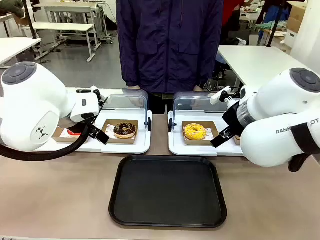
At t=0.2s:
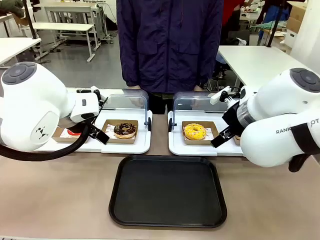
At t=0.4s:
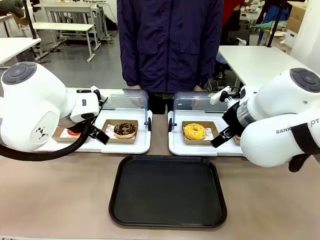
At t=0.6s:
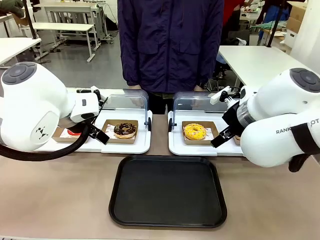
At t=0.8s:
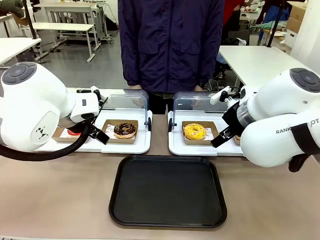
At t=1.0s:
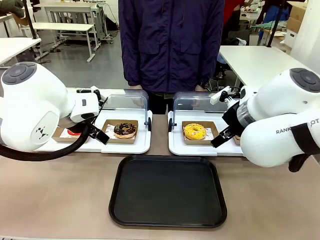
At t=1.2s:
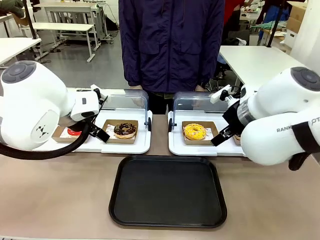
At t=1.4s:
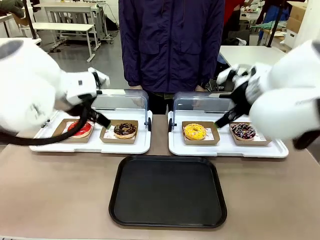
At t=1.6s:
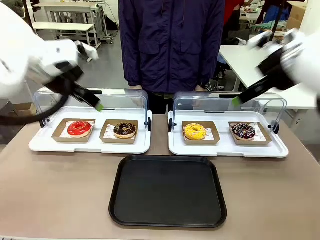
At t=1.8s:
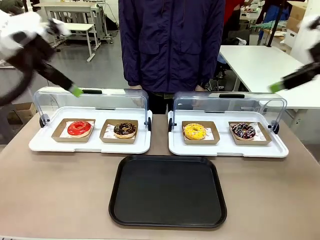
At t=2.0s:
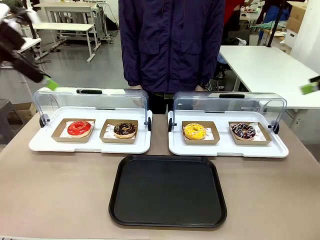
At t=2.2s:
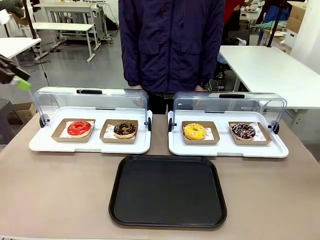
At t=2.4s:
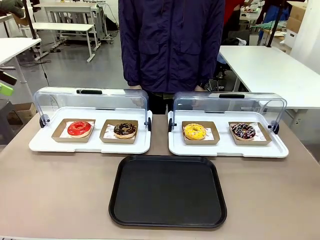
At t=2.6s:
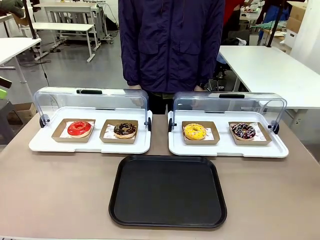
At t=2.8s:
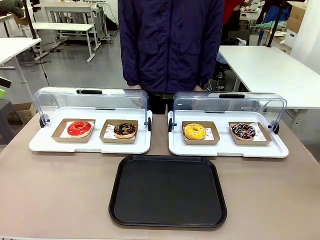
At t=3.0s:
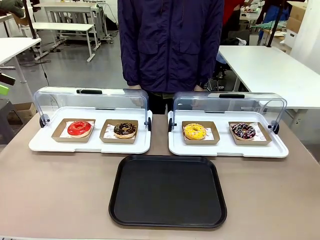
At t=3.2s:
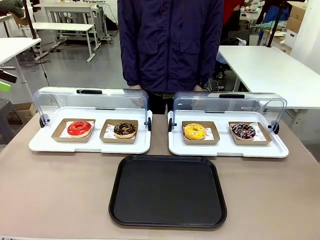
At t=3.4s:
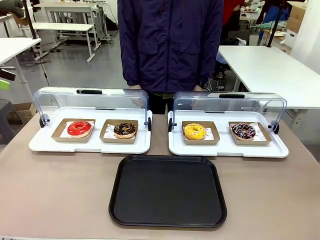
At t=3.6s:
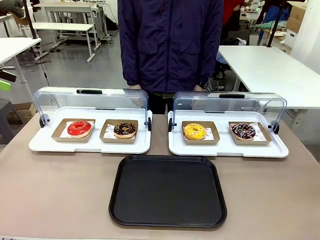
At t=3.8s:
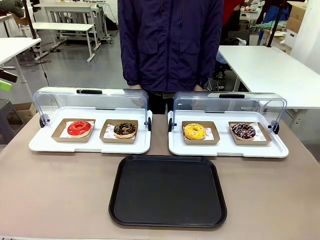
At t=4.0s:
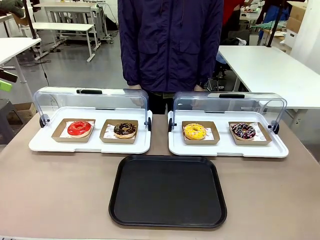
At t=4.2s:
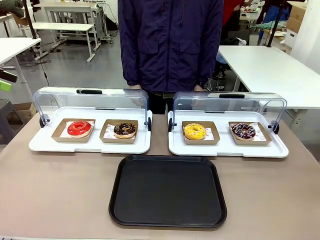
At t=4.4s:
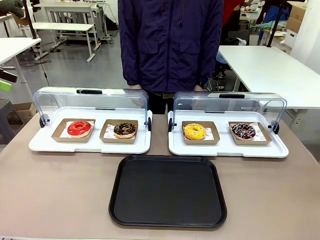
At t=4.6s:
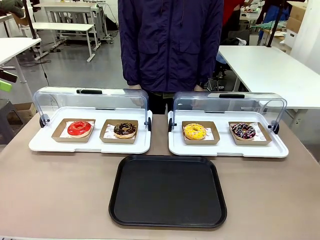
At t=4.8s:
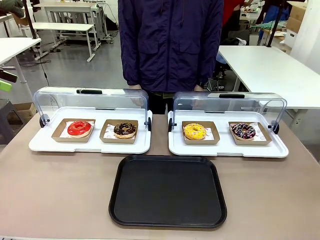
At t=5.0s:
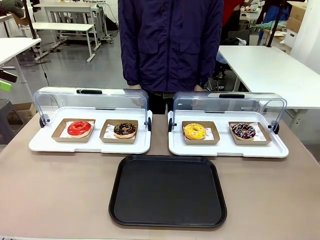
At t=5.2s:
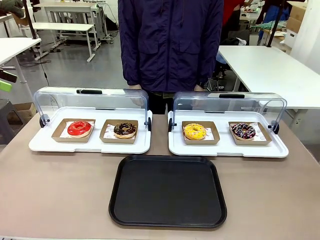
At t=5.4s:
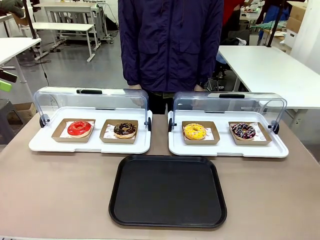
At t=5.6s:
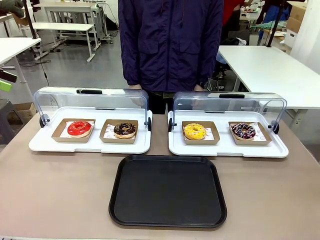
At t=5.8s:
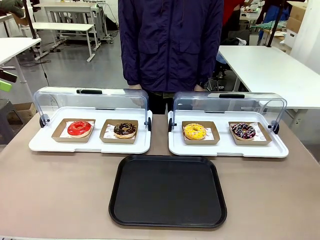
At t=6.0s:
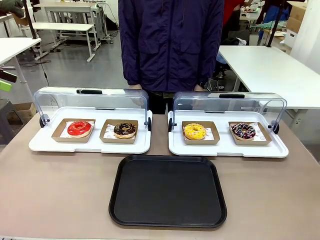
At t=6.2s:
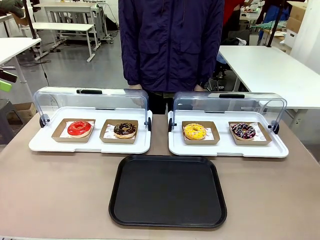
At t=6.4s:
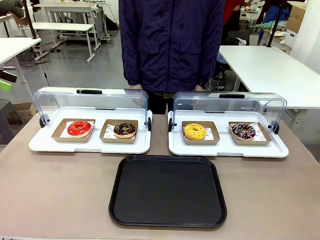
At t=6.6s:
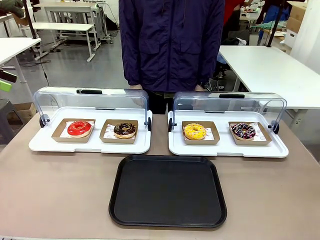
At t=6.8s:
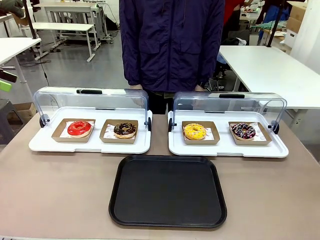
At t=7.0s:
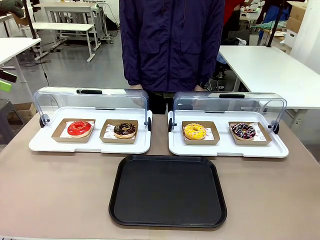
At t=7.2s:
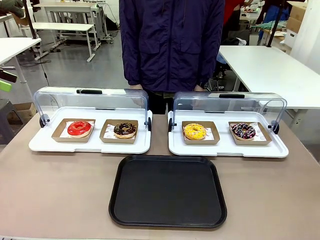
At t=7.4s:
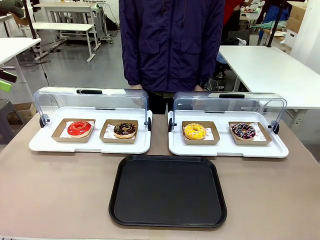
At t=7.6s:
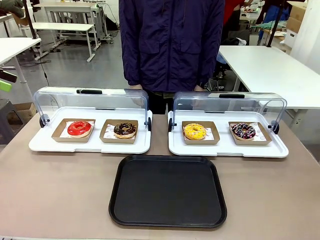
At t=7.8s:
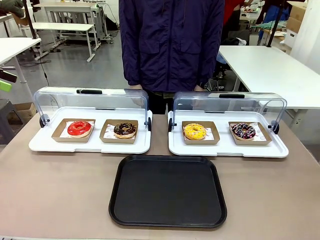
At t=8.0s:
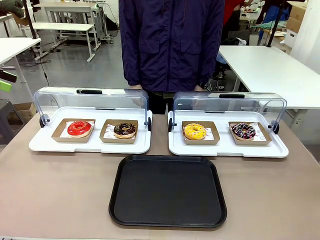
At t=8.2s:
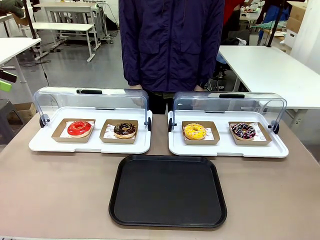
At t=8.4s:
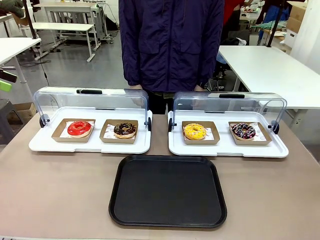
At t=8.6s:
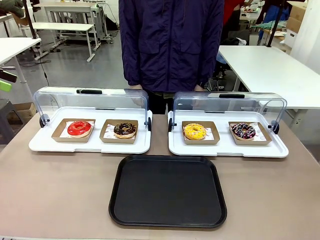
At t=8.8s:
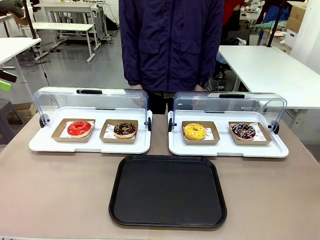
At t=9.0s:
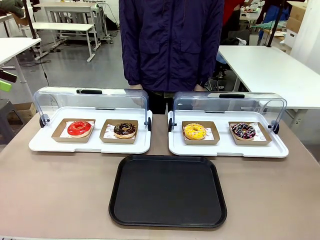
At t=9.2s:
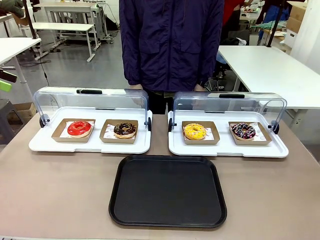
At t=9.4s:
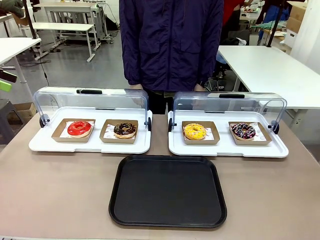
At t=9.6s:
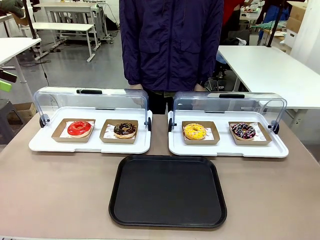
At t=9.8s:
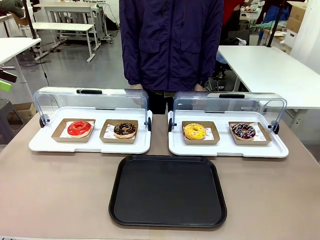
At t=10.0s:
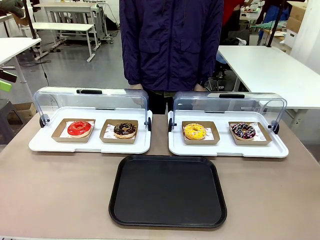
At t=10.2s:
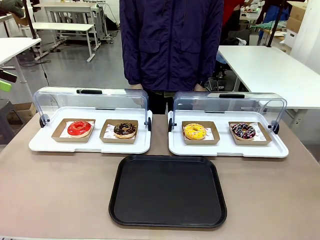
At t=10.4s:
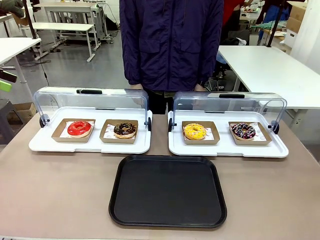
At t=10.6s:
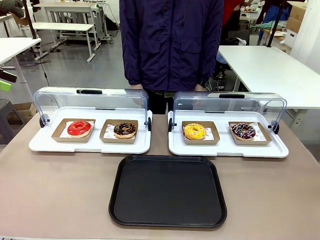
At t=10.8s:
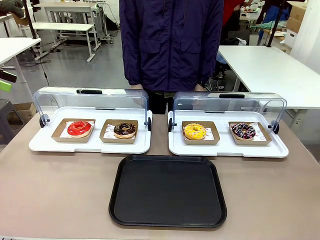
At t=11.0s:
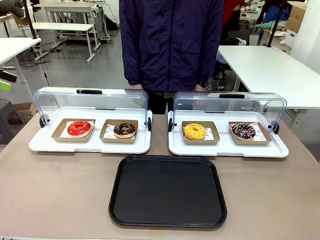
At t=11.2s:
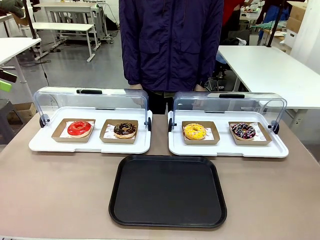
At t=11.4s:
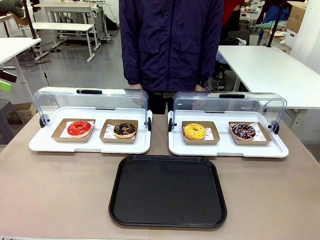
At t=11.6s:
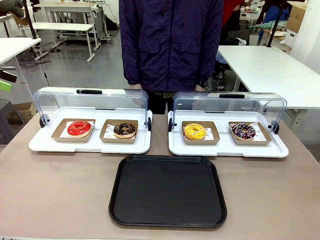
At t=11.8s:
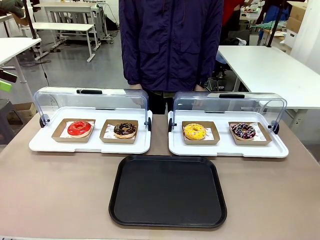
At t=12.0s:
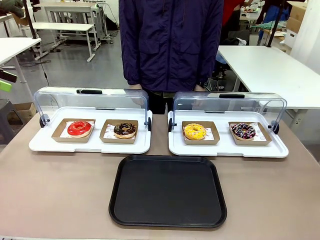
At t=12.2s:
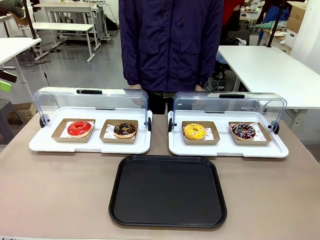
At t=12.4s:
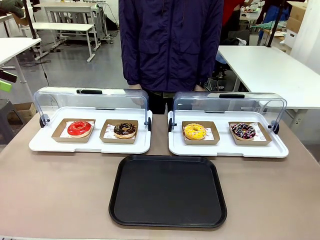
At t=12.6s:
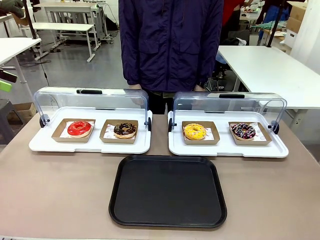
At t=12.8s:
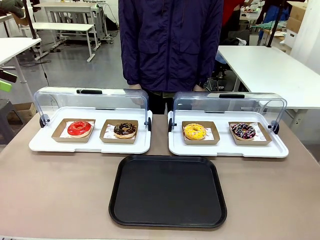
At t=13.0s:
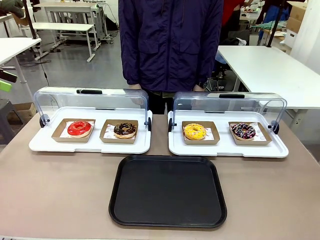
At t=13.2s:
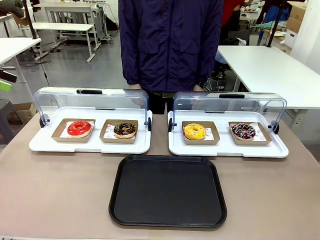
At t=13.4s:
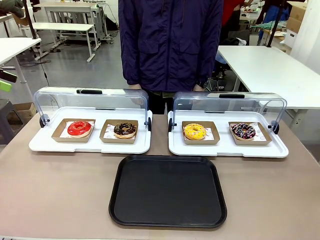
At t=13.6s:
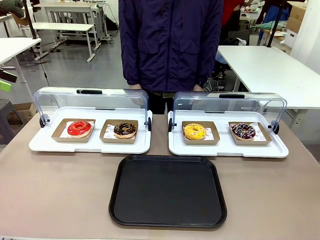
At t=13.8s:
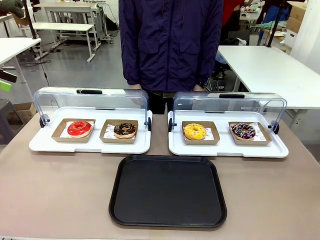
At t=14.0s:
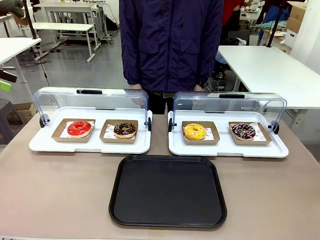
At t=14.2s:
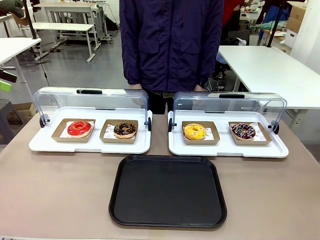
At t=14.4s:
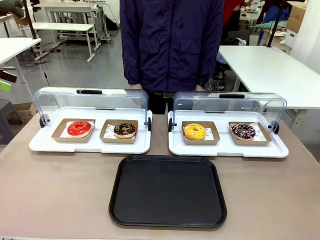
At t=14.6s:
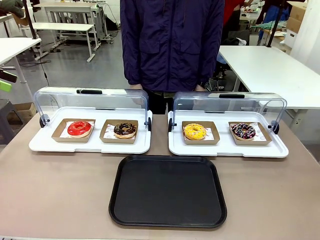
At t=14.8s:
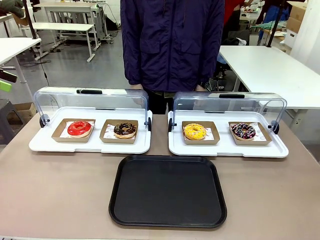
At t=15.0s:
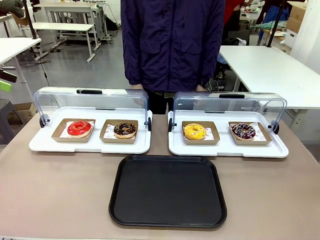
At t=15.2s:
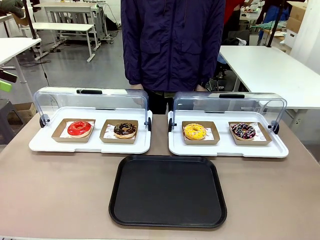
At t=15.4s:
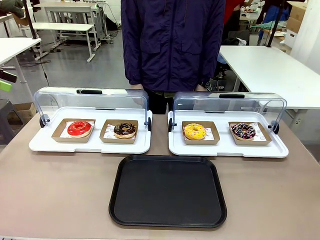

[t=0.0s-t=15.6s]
Task: Move the second donut from the left to the tray.
Robot: Pick up the Paper togo box containing the Donut indicated by the person and place it on the Handle tray.
